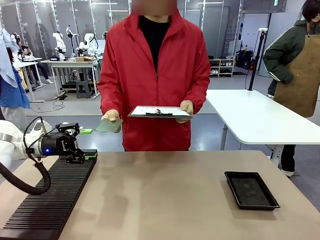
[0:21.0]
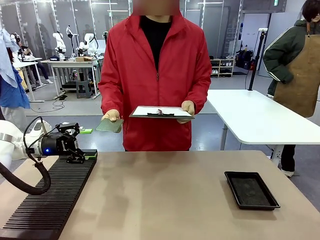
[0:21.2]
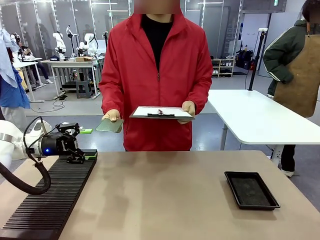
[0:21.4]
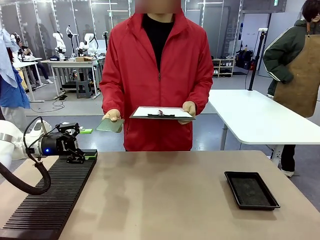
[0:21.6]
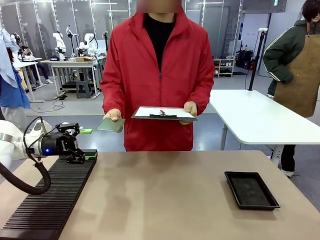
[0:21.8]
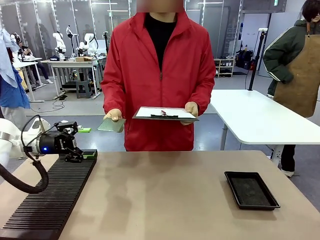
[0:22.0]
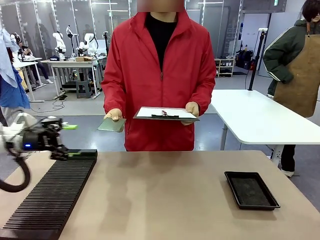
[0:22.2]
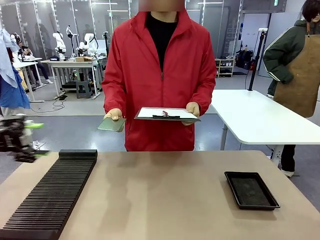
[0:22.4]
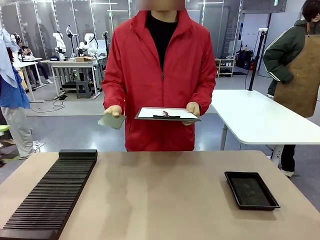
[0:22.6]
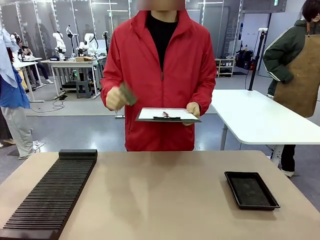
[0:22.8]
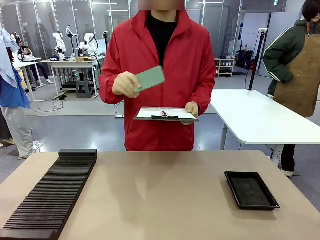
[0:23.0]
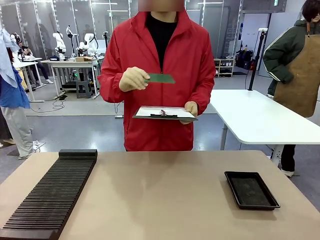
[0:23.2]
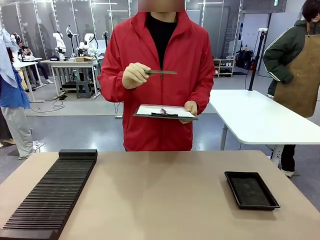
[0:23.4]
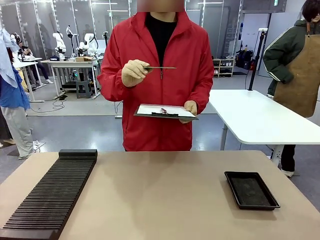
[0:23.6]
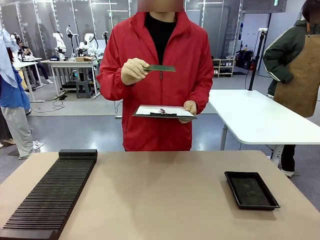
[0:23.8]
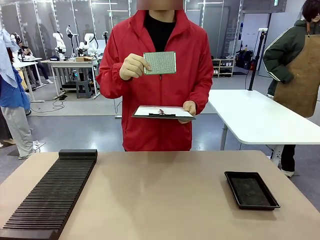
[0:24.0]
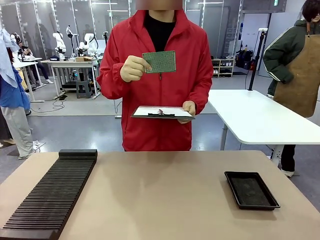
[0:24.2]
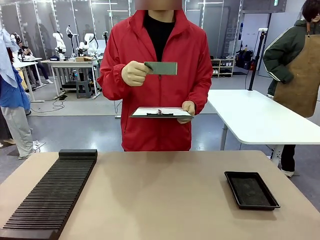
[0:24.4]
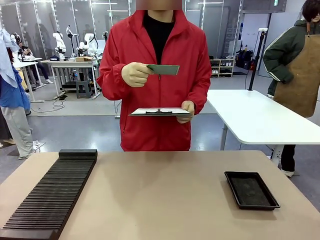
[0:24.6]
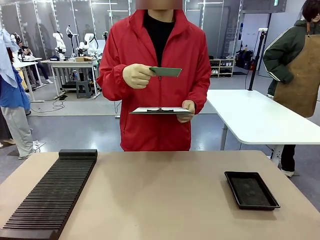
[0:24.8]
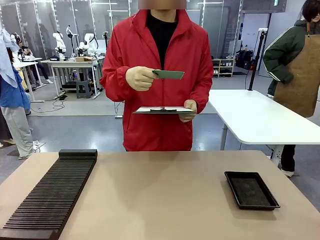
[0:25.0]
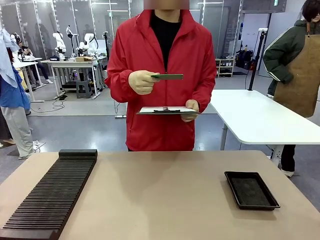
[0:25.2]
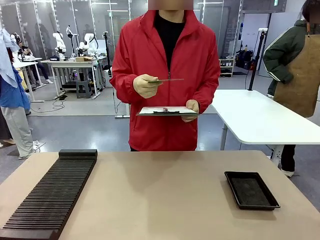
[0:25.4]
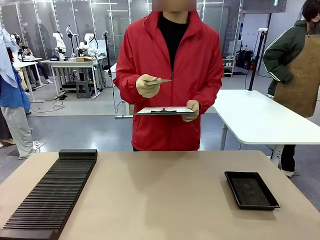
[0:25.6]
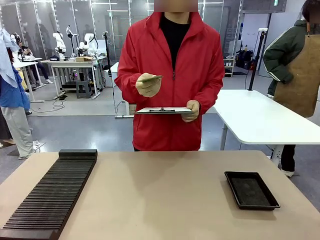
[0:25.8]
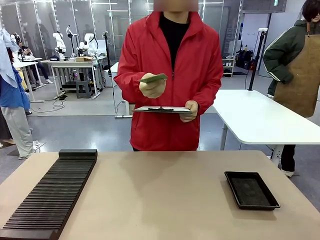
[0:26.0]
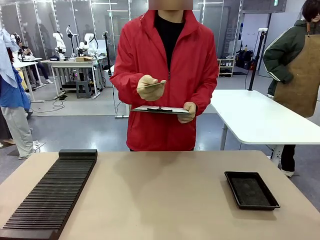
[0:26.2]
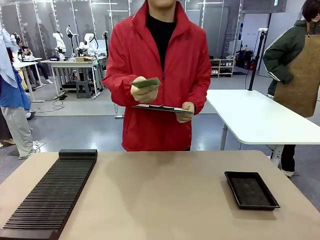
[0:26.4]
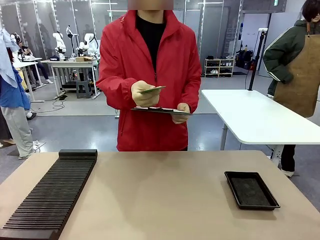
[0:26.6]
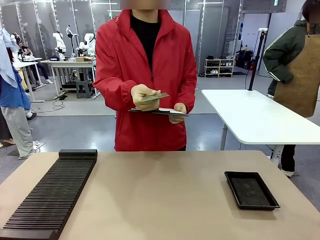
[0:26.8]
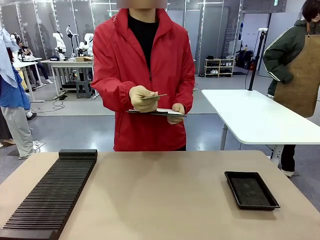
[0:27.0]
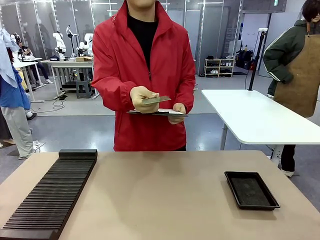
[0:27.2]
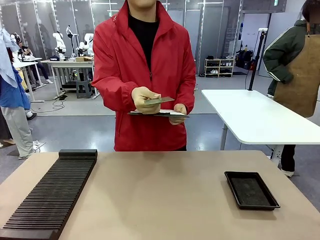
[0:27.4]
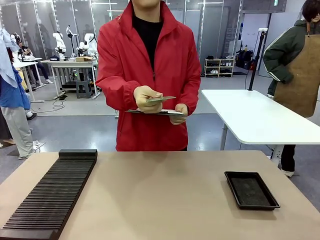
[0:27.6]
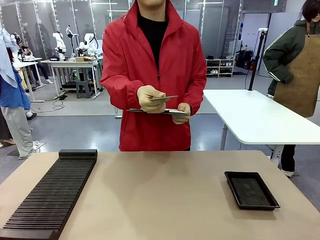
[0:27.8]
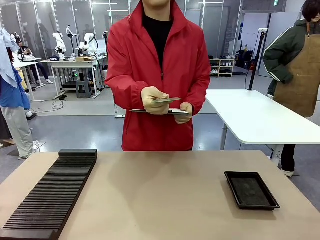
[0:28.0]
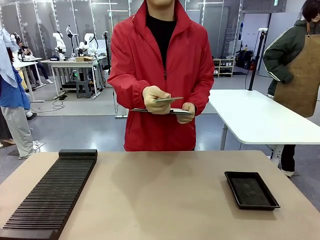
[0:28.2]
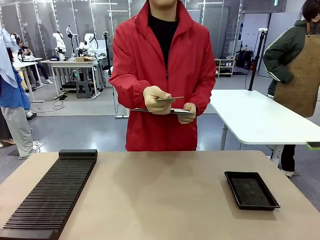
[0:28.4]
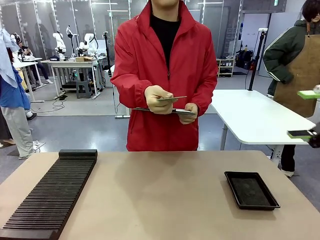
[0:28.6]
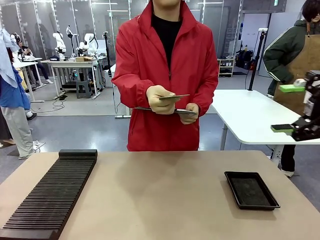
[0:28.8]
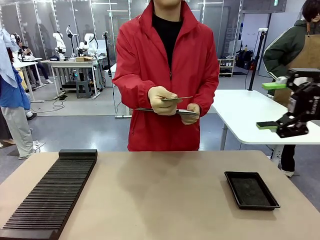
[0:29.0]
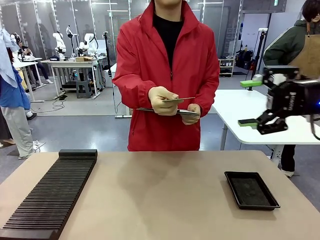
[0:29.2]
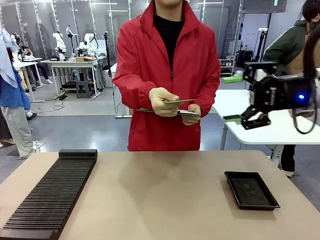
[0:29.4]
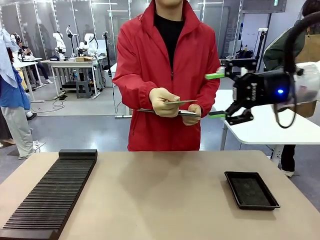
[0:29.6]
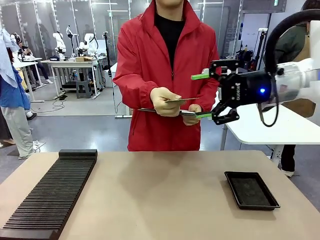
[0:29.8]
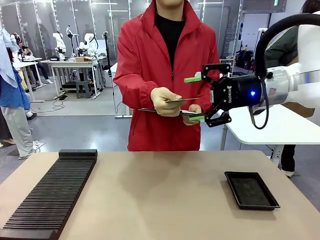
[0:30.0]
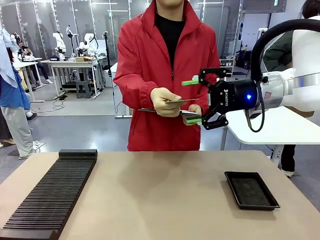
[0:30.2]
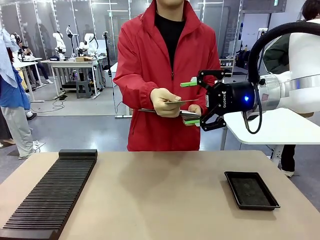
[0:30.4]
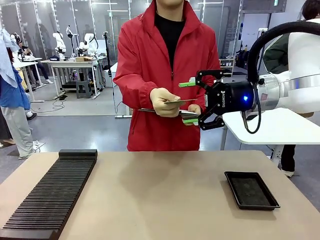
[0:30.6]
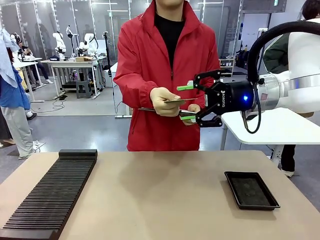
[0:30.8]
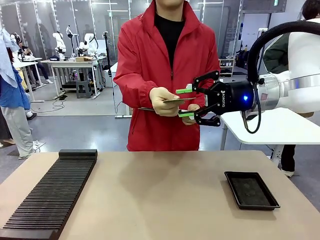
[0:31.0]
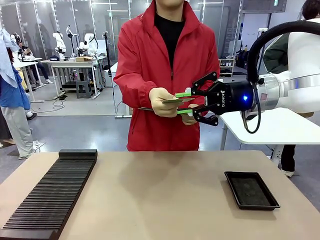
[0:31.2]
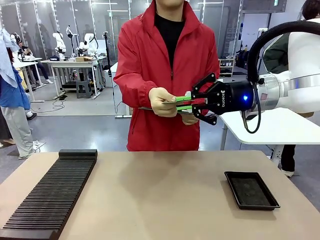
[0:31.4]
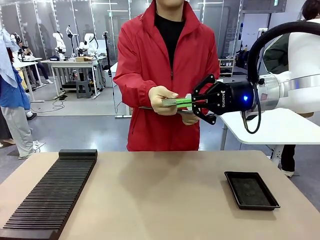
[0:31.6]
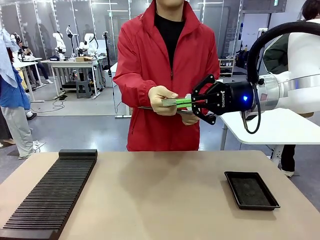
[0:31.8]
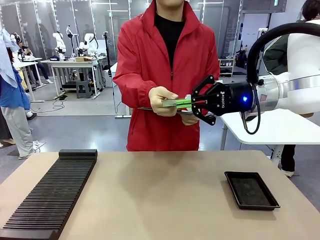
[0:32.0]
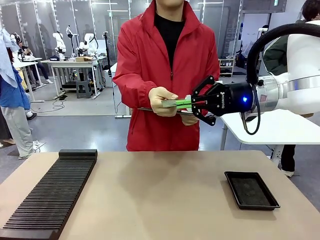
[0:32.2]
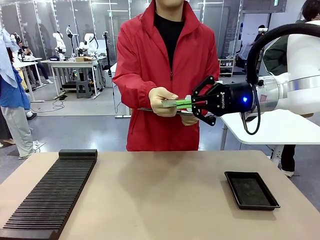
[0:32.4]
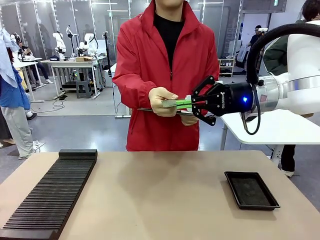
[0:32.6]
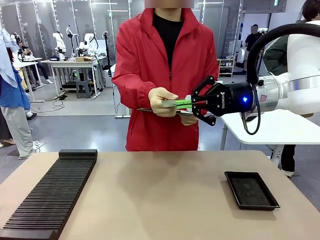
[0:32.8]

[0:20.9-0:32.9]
Task: Inspect the PCB.
Robot: Pick up the Blank PCB that the human is holding.
Person: Inspect the PCB placed by the robot, then hold it out in front of the robot. Release the PCB you were holding.

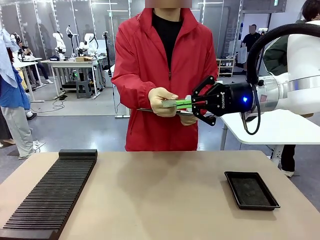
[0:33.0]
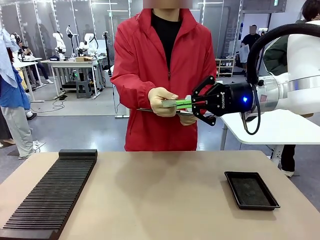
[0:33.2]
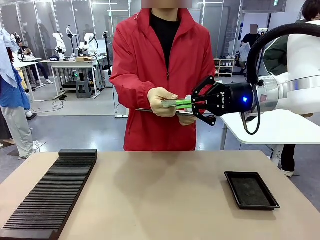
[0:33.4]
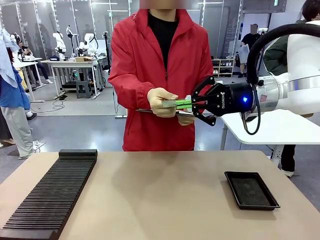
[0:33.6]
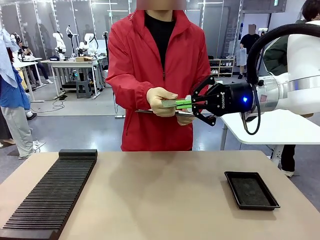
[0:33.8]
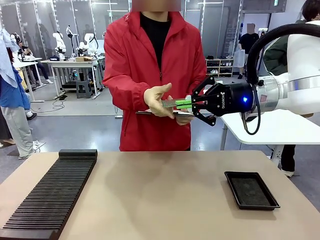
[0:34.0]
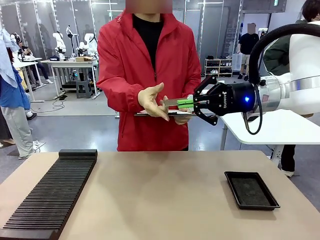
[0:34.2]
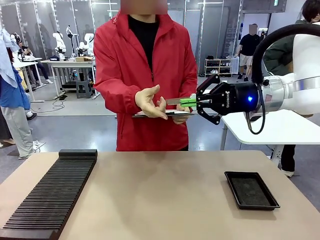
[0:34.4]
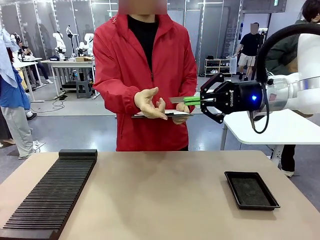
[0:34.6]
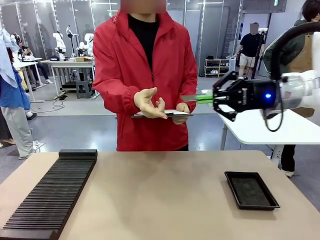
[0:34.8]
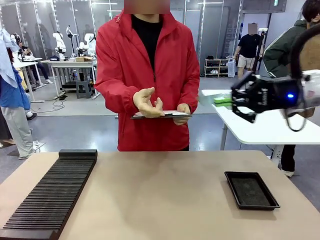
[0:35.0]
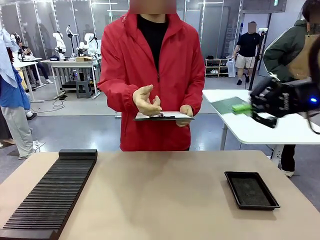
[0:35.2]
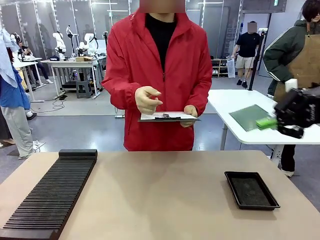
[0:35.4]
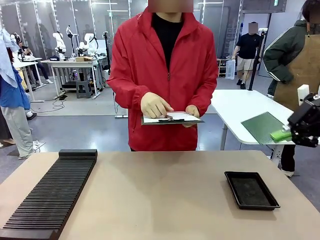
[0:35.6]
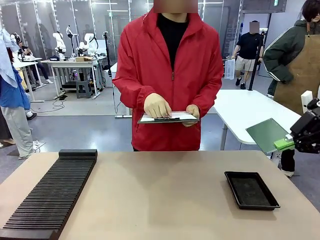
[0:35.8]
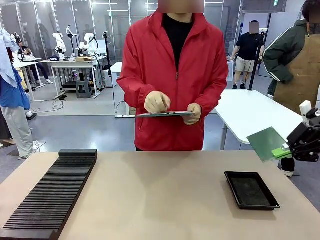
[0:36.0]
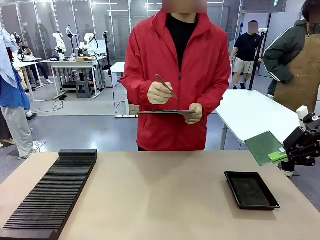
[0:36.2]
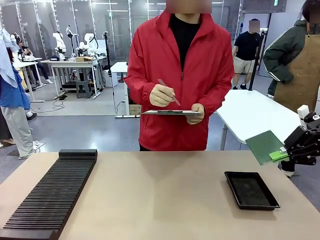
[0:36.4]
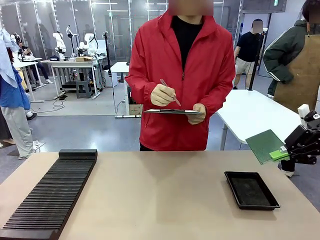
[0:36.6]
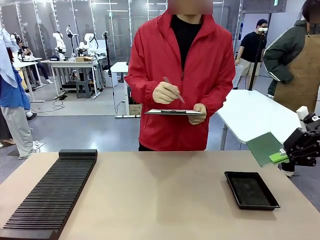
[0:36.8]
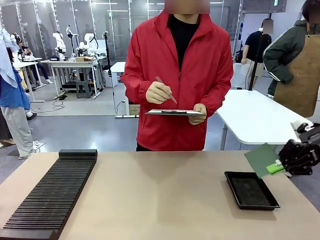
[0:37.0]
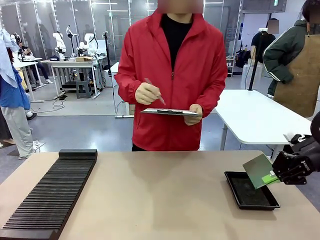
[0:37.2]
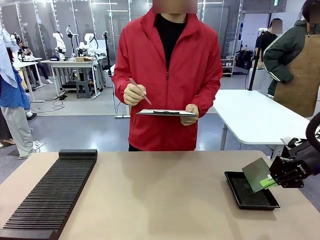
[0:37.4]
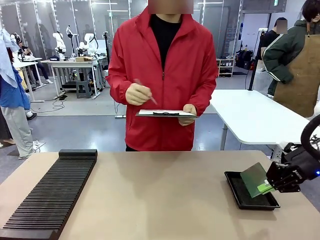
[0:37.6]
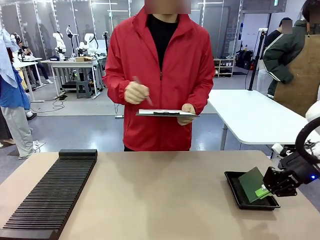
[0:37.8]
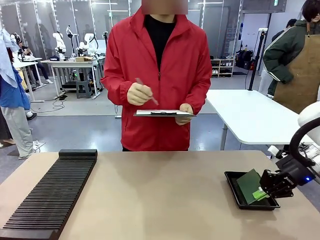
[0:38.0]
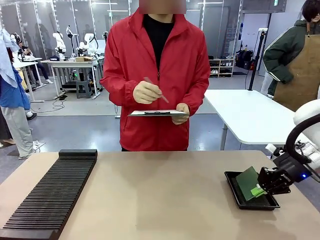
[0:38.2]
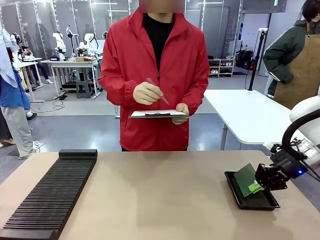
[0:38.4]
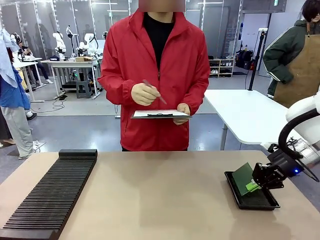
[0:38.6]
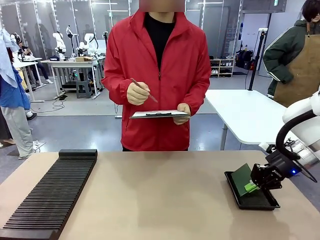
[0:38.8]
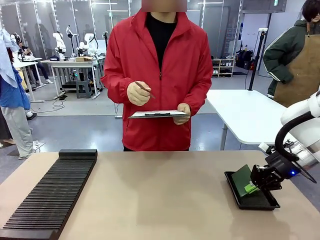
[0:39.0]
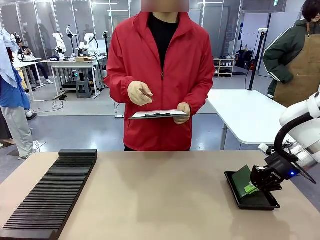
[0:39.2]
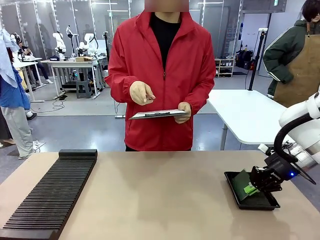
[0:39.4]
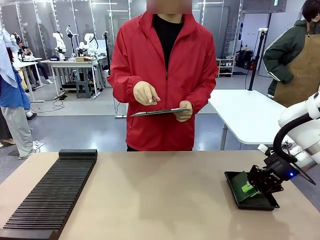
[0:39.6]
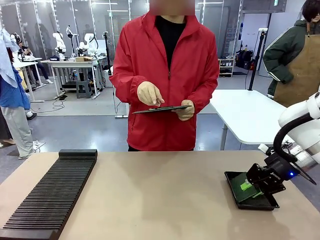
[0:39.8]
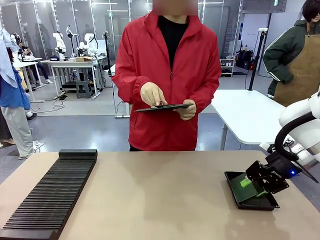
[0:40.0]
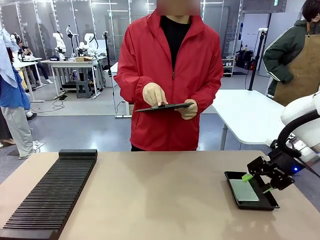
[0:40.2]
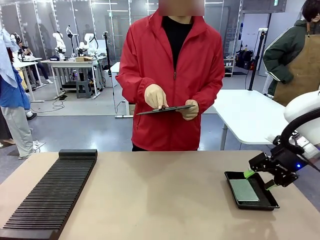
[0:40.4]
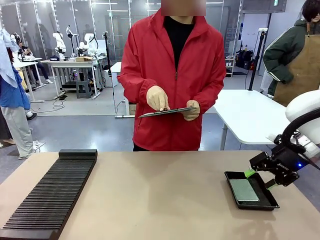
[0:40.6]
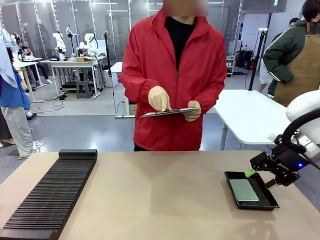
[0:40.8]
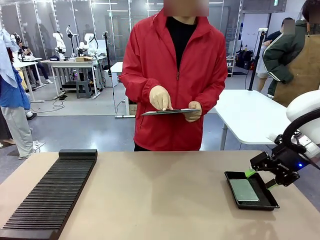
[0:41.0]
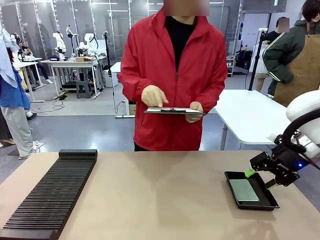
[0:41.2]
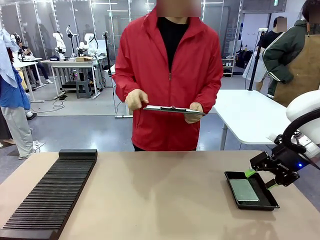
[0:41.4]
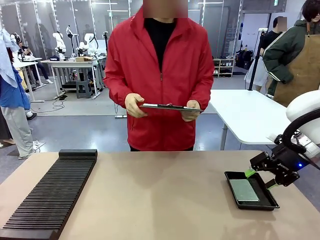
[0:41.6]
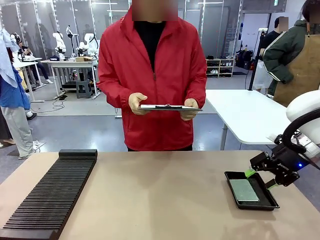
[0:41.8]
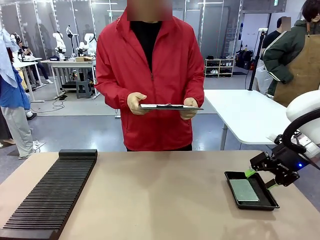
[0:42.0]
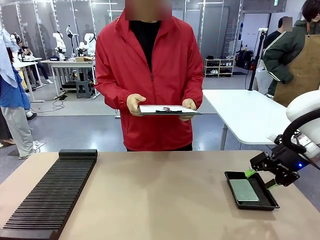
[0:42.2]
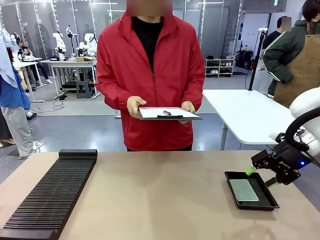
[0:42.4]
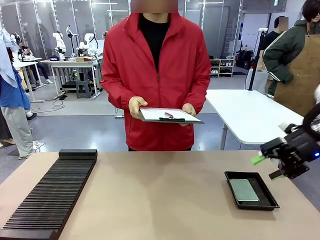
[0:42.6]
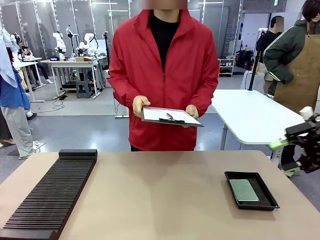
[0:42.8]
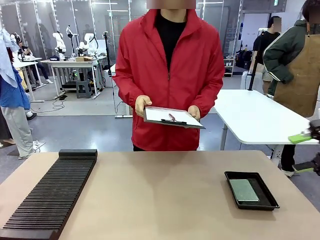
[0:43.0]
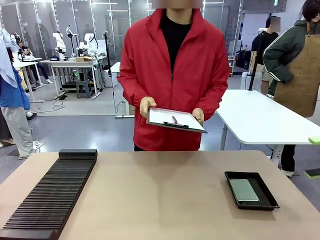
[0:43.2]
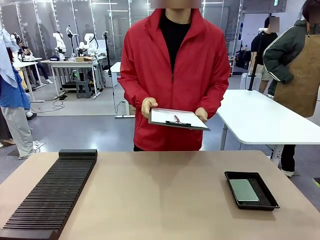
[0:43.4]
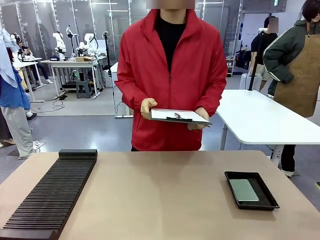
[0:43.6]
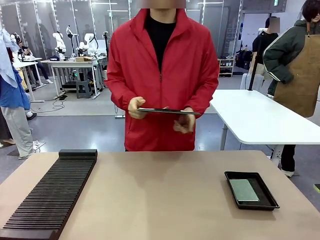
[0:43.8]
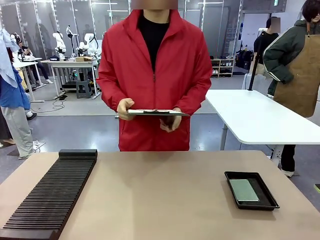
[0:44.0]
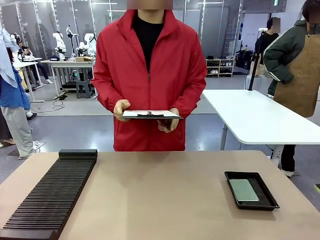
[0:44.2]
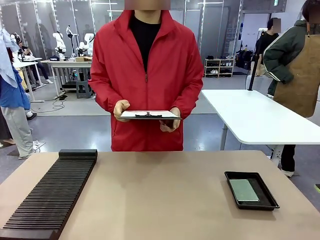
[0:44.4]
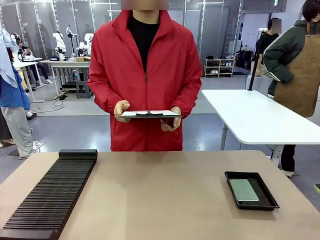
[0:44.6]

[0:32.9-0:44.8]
Robot: Place the Blank PCB in the ESD tray.
Person: Record the PCB status on the paper.
